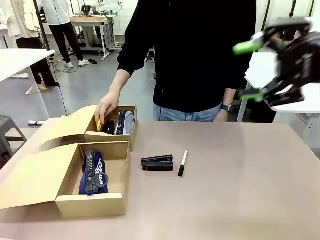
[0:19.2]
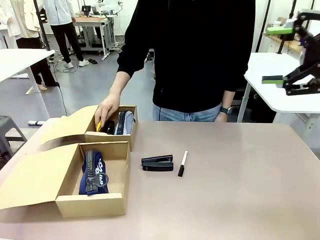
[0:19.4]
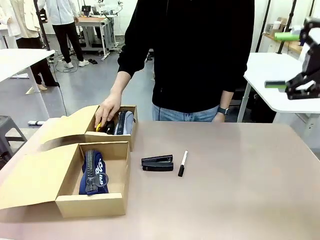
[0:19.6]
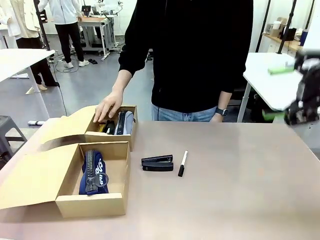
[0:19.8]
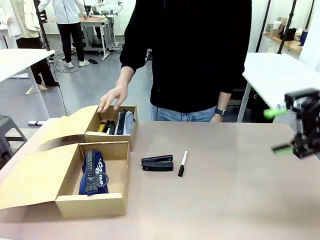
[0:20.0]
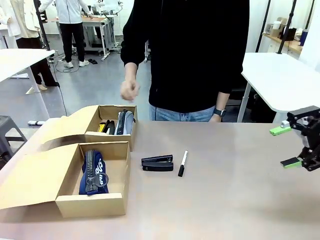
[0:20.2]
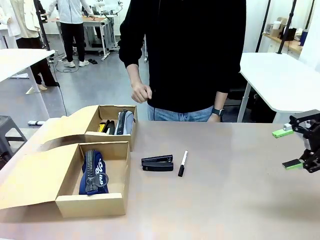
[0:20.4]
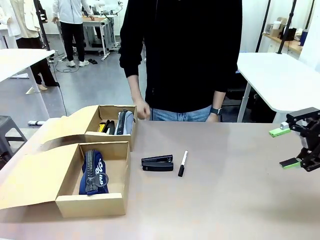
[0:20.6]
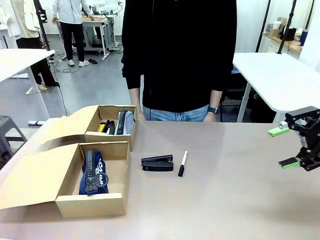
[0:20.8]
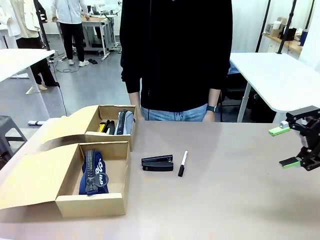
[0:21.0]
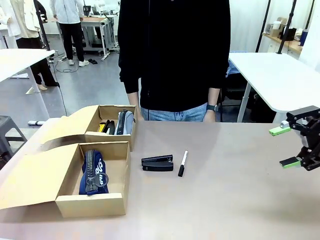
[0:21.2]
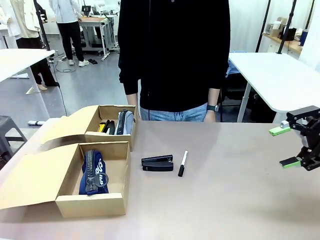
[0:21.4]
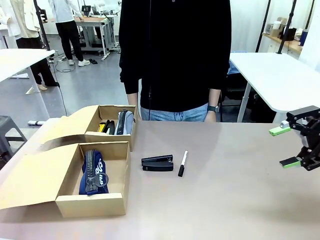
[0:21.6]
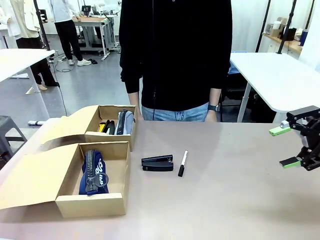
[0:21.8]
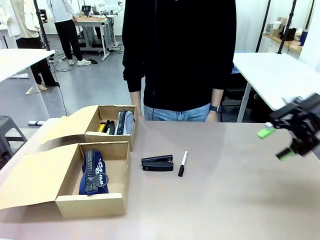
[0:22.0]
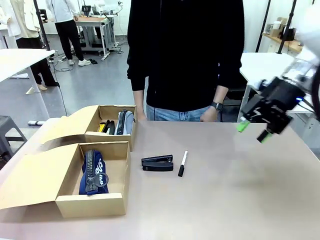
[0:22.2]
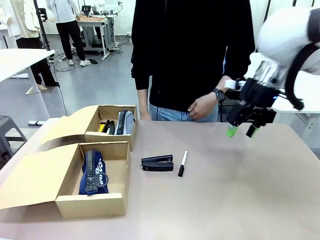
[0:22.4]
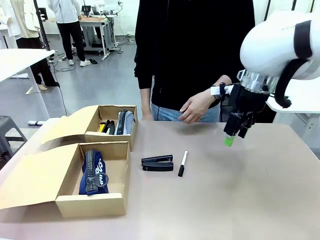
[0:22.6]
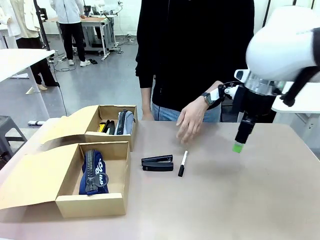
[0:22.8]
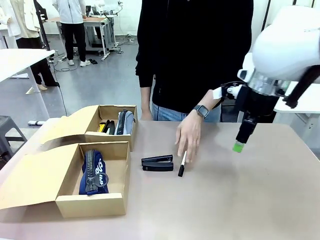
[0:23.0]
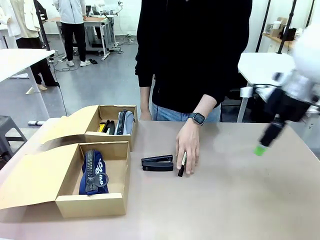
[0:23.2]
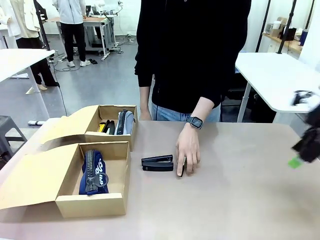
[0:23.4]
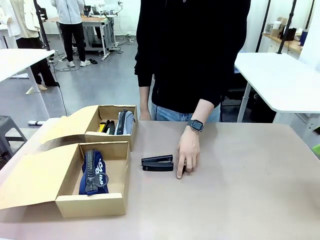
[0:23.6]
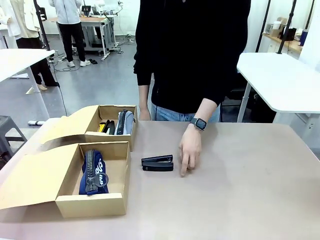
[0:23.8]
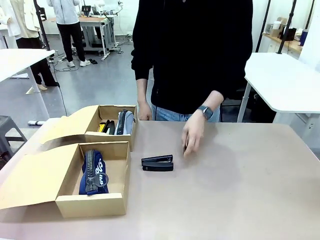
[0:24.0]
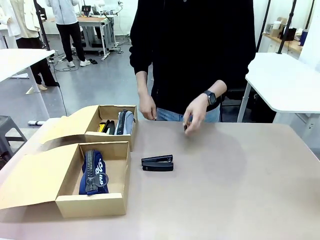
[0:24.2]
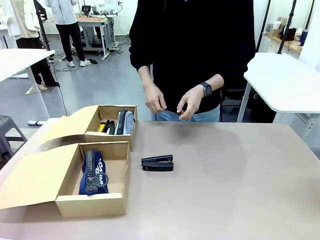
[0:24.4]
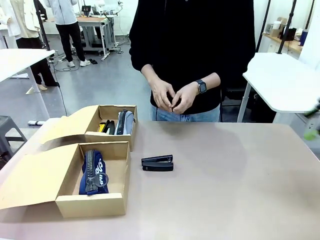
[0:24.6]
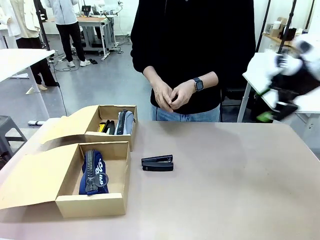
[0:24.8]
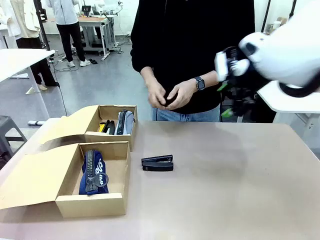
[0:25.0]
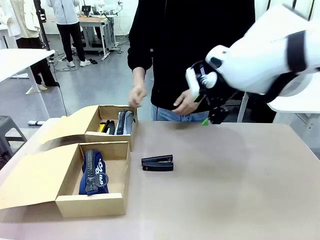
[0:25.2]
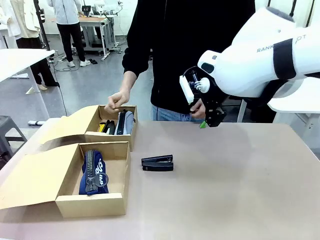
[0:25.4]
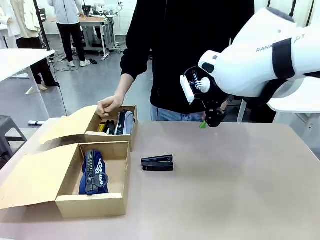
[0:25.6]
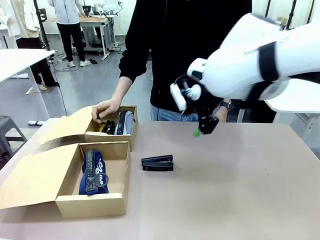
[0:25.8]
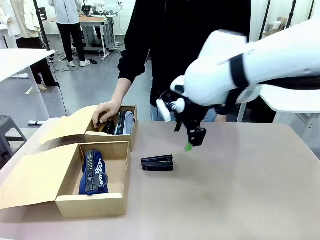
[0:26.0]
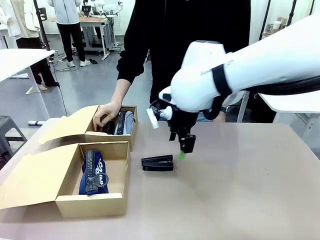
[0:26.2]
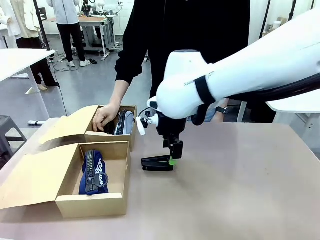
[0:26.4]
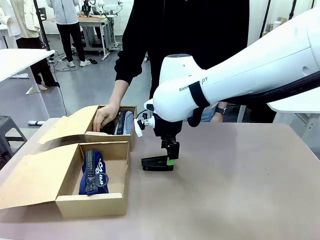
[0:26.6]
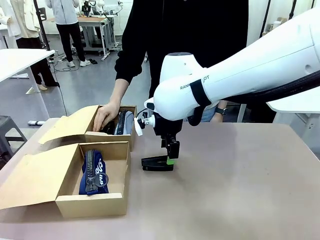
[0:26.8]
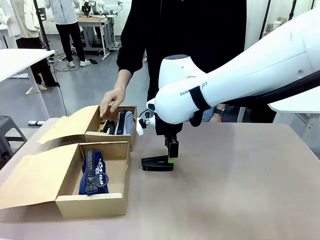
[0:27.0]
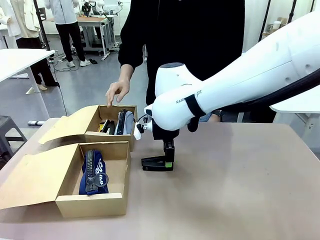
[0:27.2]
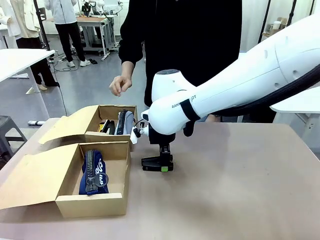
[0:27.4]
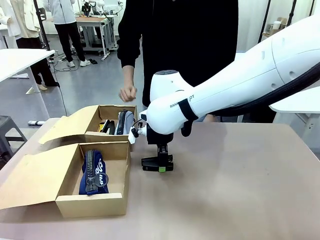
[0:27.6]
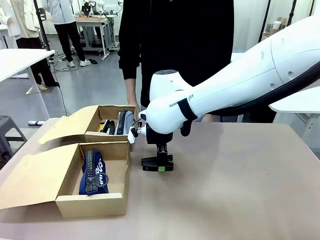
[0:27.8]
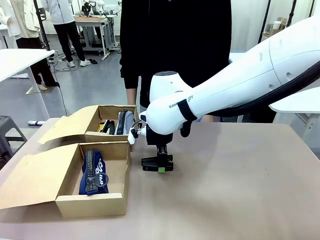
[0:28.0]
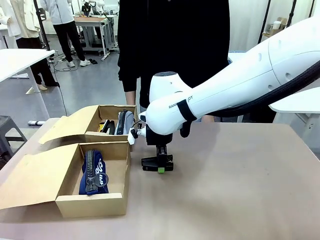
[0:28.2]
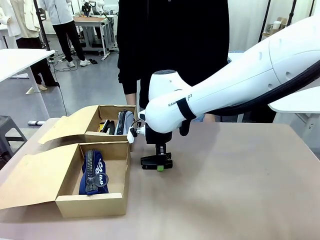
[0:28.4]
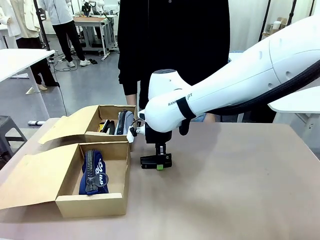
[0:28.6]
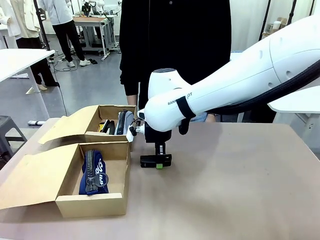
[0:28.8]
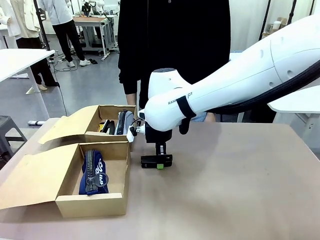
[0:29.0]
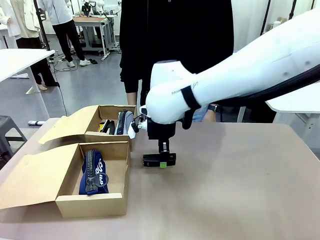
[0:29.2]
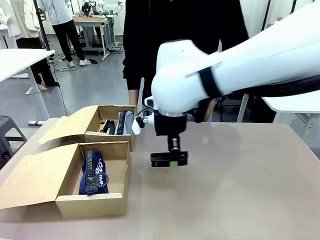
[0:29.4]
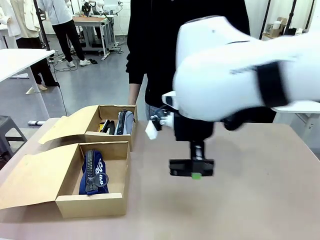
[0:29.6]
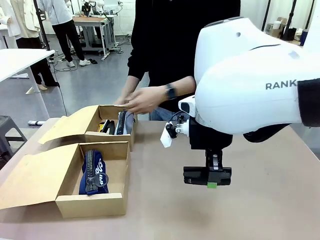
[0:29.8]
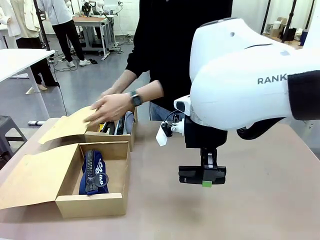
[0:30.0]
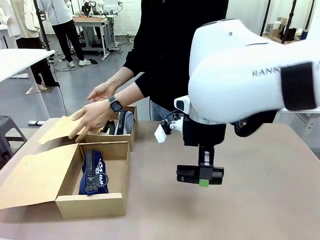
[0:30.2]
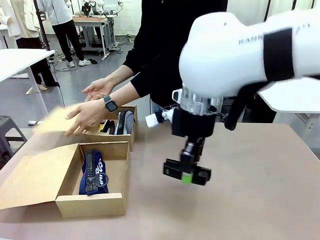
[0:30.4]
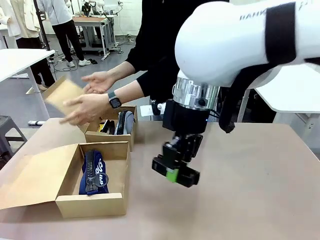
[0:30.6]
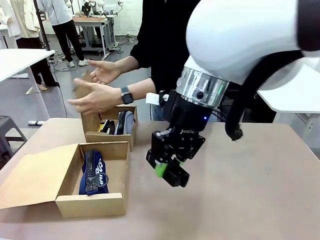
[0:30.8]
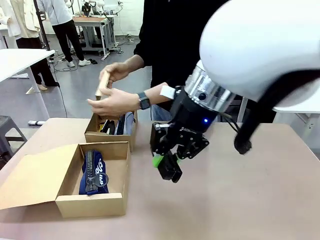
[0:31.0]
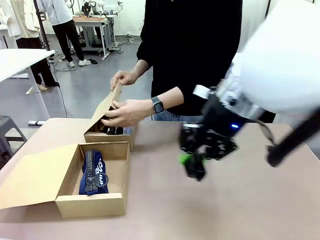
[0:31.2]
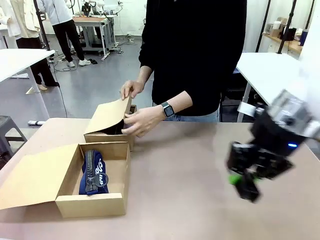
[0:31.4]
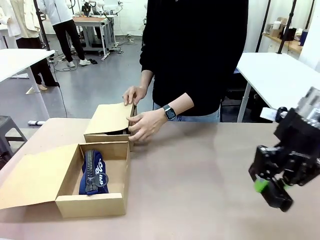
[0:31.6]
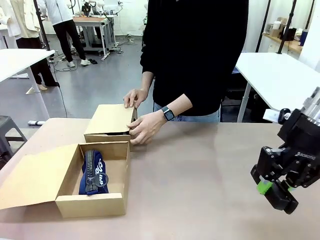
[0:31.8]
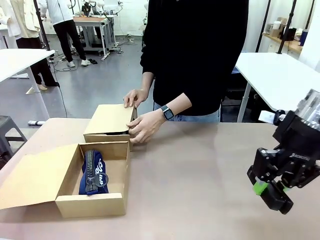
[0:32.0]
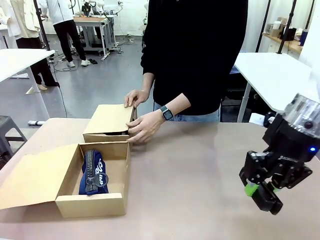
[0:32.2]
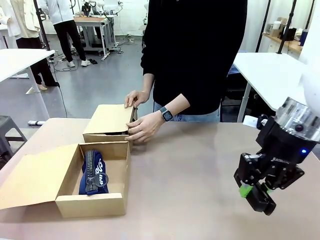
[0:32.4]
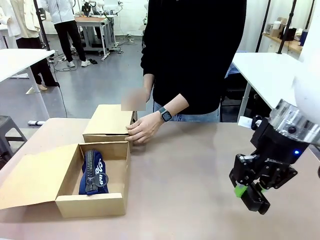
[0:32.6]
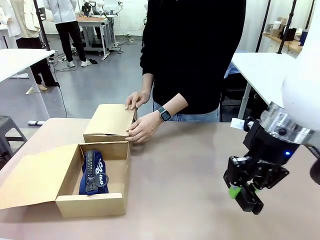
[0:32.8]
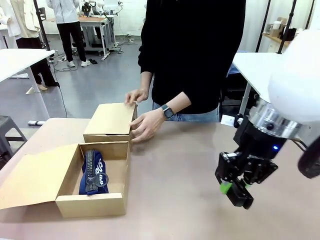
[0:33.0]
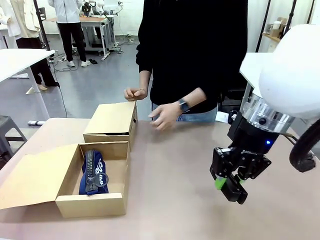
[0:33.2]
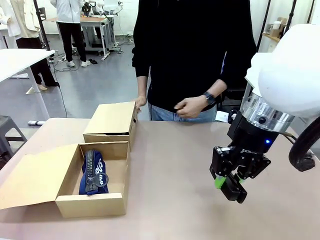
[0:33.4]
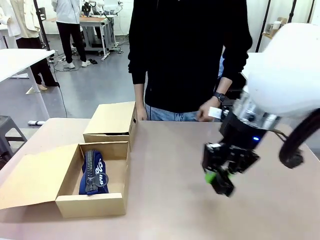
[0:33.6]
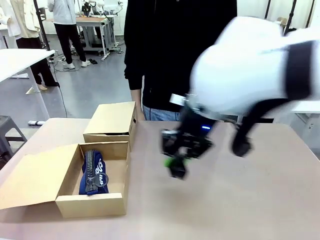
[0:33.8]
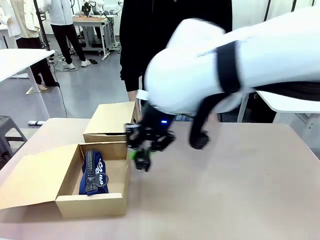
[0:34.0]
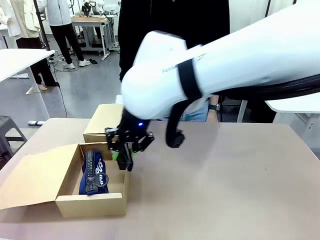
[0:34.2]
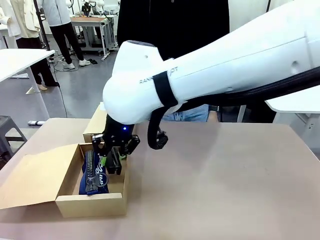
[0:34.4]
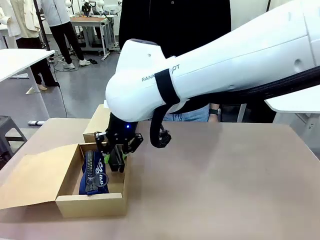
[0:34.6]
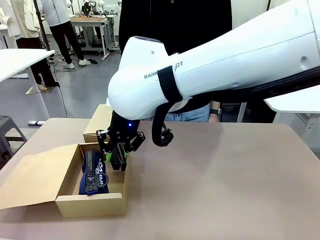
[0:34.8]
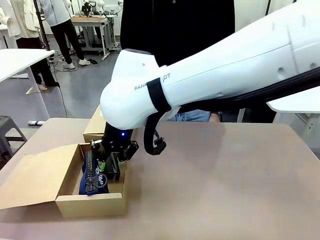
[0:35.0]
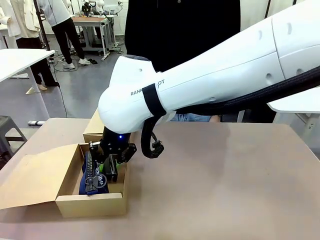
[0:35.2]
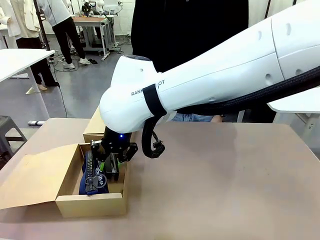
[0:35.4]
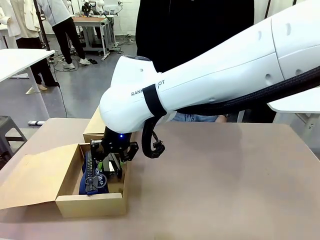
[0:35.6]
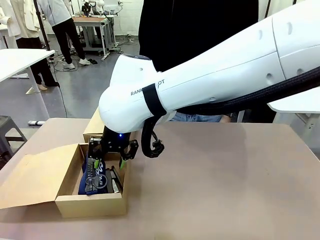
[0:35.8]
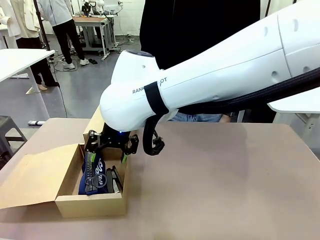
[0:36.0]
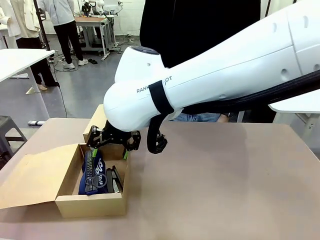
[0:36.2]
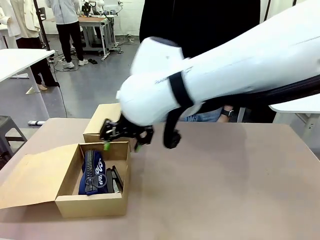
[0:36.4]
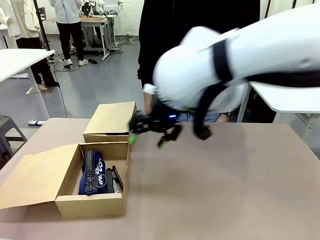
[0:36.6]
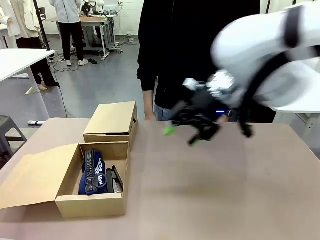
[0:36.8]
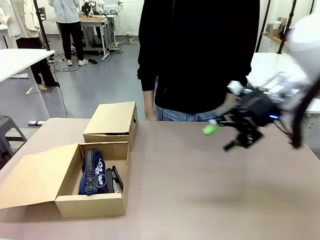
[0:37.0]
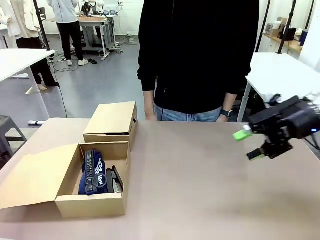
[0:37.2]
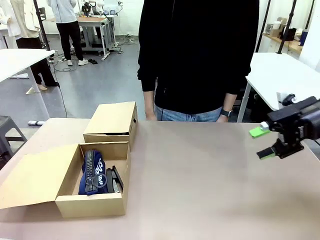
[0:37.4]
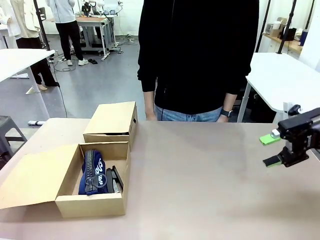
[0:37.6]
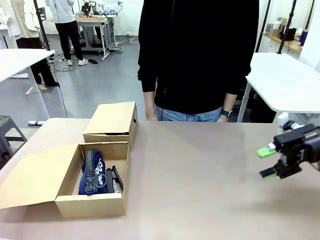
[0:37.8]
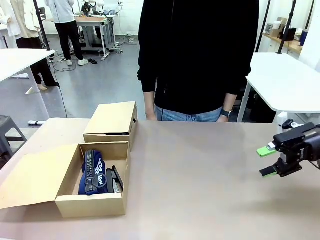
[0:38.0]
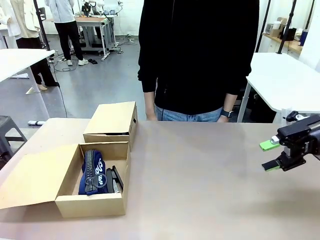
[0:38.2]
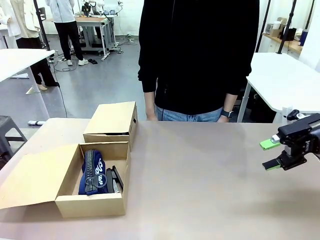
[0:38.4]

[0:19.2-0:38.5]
Task: Place items inside the box.
Robot: Pick up a Pencil pouch or Stapler and place it inside the Mailer Box closest to the robot.
Person: Close the lid of the box facing the person.
